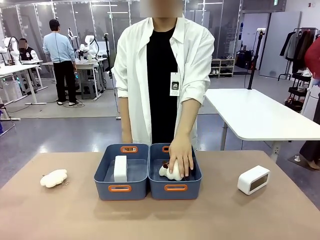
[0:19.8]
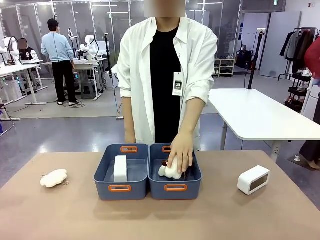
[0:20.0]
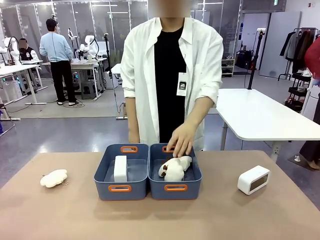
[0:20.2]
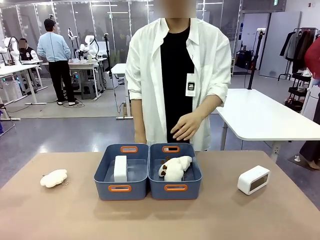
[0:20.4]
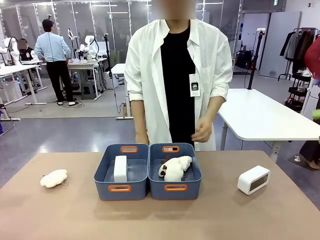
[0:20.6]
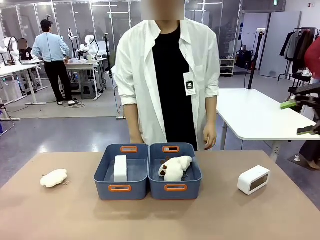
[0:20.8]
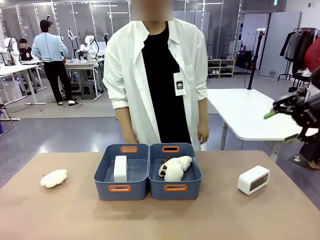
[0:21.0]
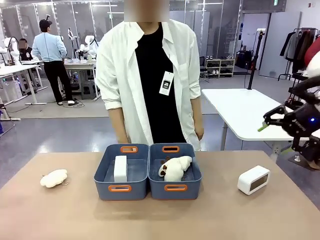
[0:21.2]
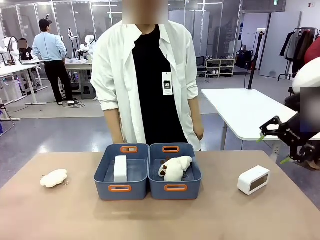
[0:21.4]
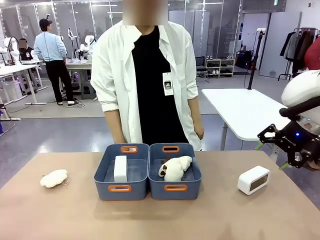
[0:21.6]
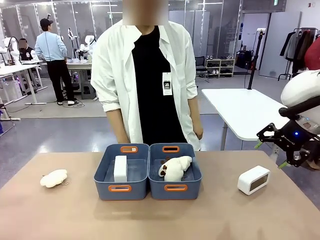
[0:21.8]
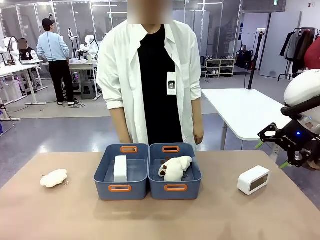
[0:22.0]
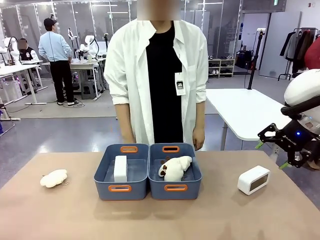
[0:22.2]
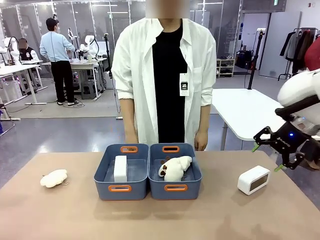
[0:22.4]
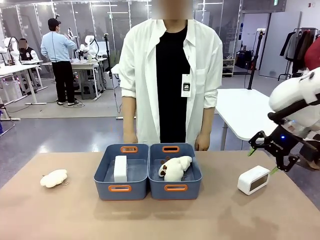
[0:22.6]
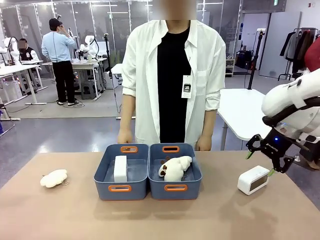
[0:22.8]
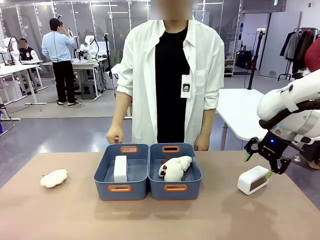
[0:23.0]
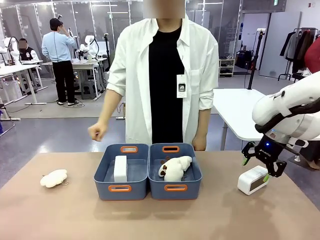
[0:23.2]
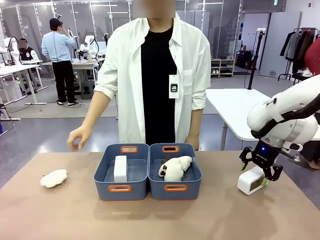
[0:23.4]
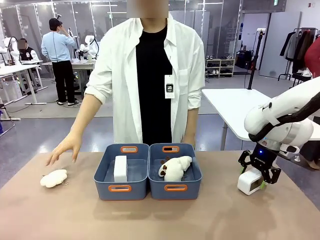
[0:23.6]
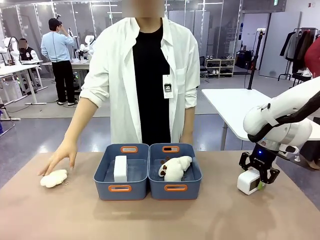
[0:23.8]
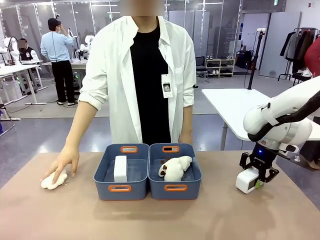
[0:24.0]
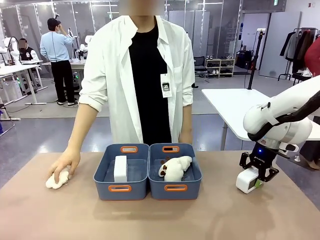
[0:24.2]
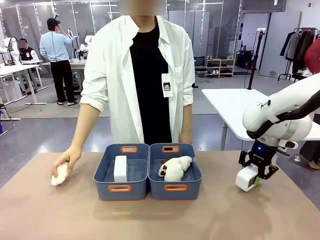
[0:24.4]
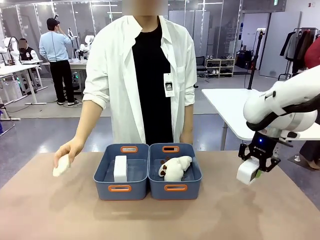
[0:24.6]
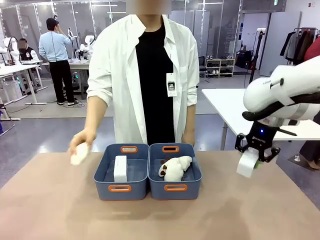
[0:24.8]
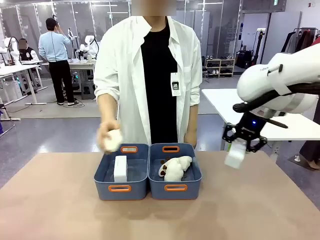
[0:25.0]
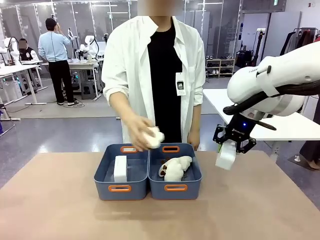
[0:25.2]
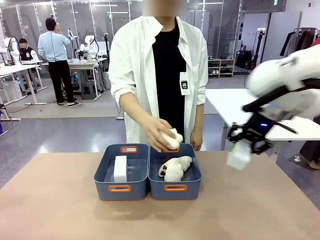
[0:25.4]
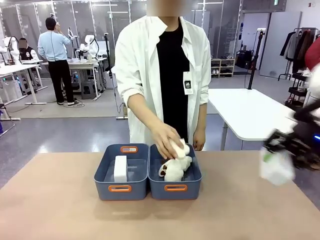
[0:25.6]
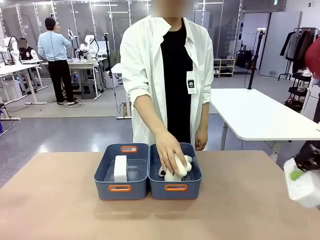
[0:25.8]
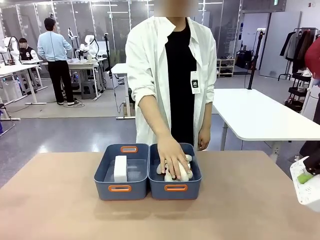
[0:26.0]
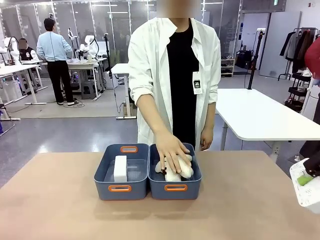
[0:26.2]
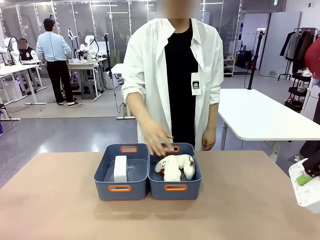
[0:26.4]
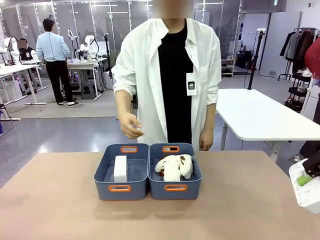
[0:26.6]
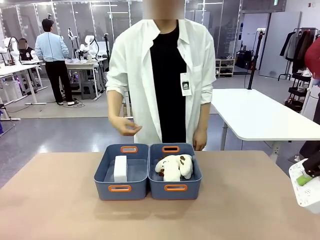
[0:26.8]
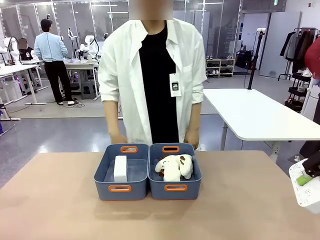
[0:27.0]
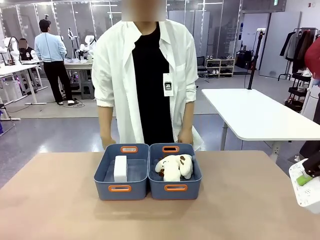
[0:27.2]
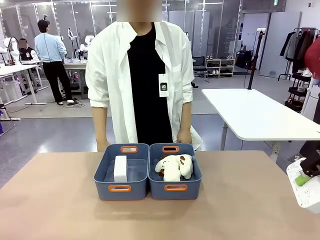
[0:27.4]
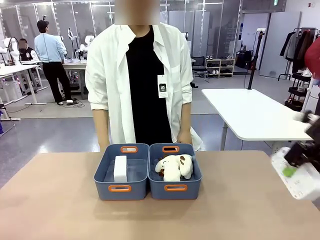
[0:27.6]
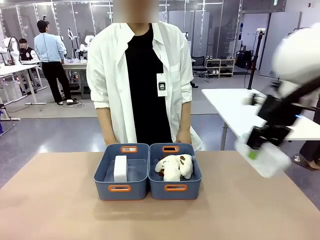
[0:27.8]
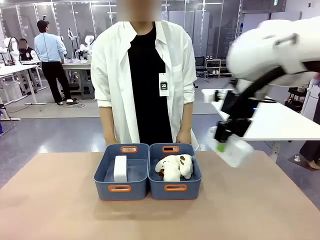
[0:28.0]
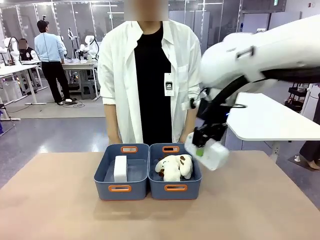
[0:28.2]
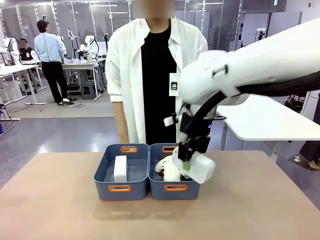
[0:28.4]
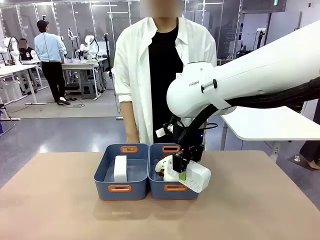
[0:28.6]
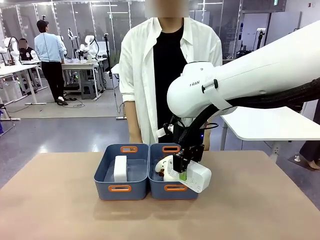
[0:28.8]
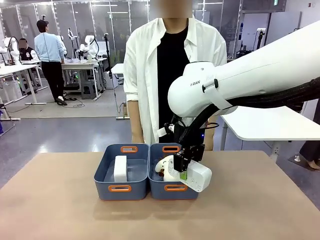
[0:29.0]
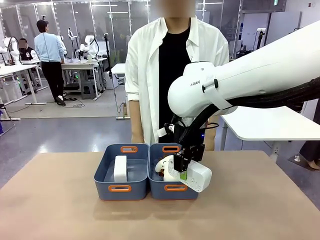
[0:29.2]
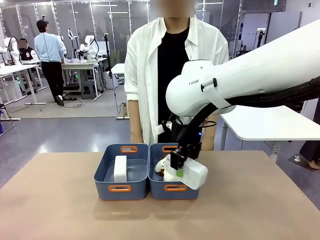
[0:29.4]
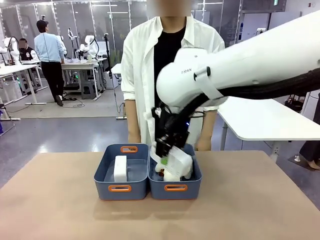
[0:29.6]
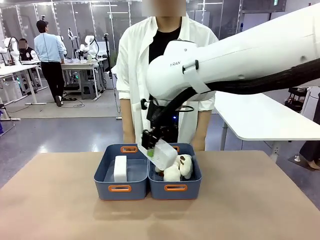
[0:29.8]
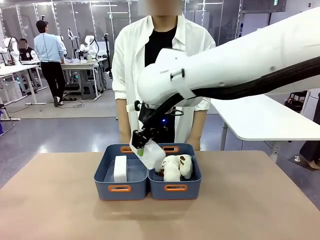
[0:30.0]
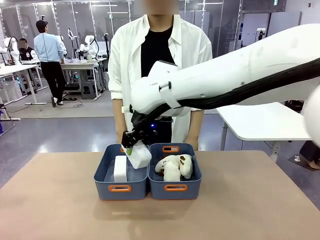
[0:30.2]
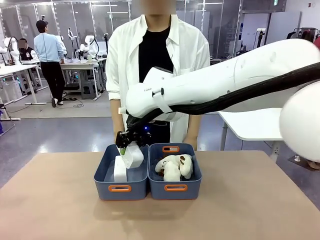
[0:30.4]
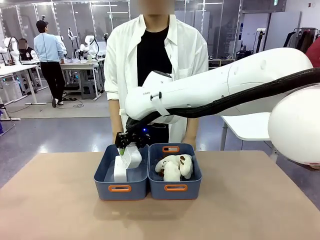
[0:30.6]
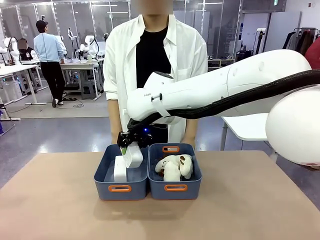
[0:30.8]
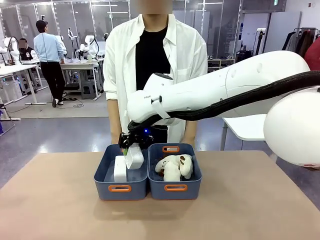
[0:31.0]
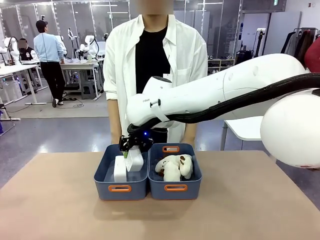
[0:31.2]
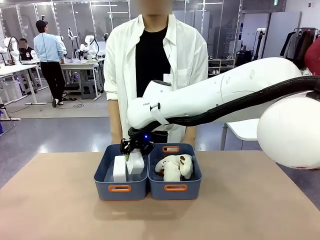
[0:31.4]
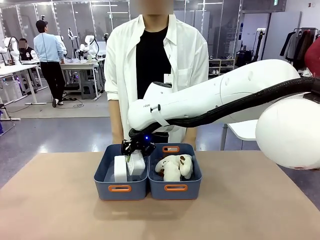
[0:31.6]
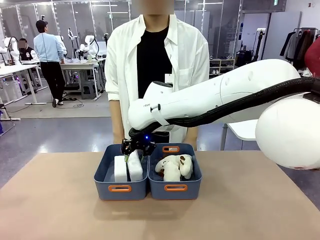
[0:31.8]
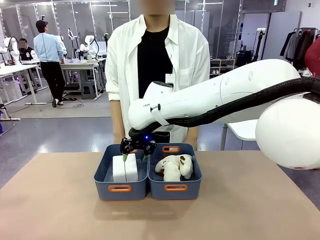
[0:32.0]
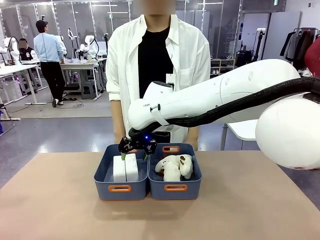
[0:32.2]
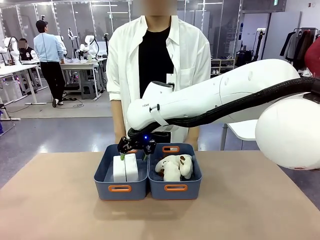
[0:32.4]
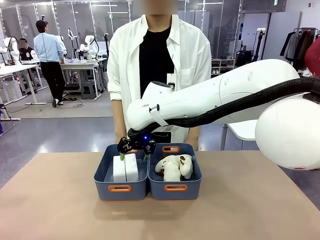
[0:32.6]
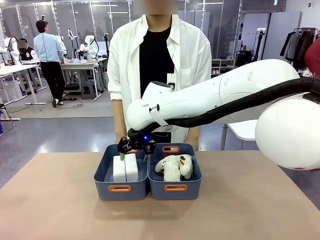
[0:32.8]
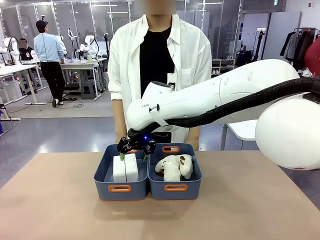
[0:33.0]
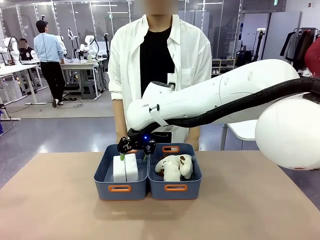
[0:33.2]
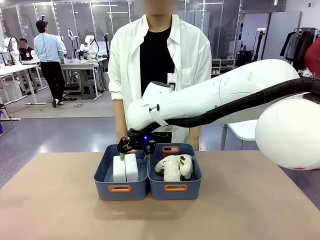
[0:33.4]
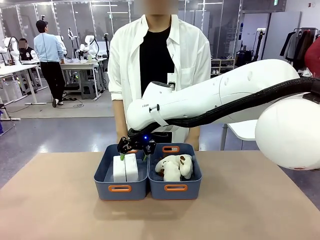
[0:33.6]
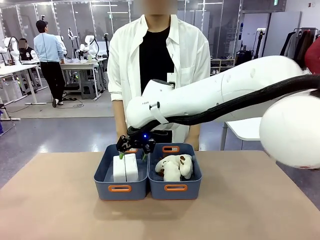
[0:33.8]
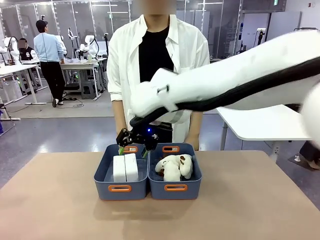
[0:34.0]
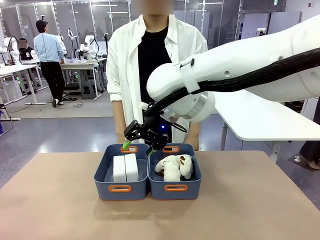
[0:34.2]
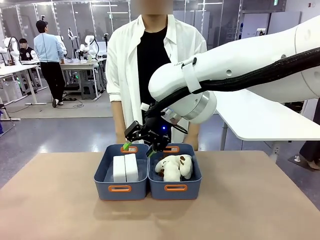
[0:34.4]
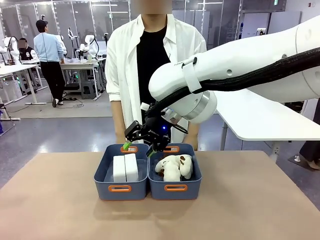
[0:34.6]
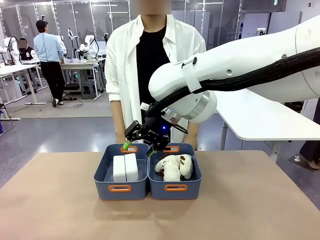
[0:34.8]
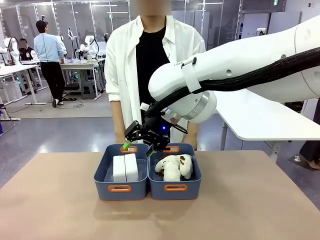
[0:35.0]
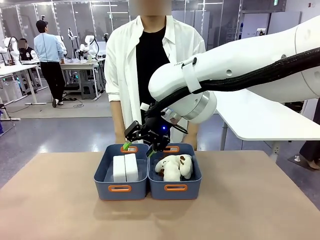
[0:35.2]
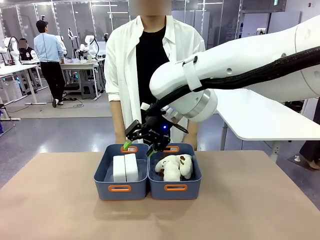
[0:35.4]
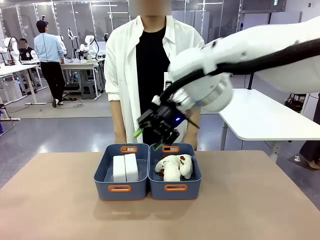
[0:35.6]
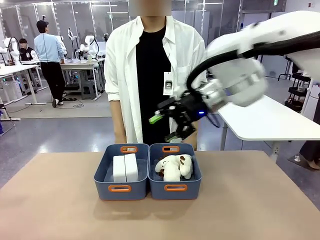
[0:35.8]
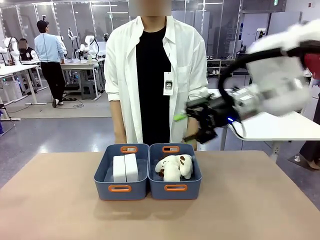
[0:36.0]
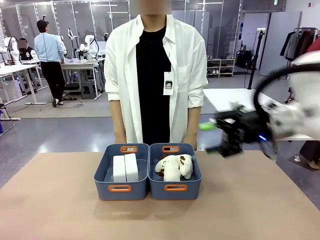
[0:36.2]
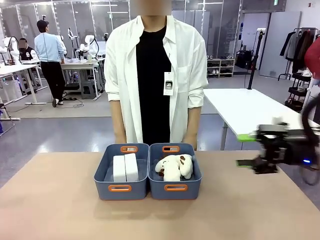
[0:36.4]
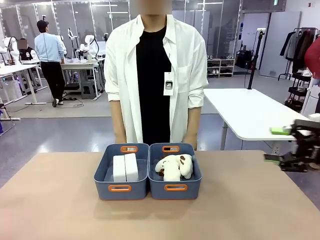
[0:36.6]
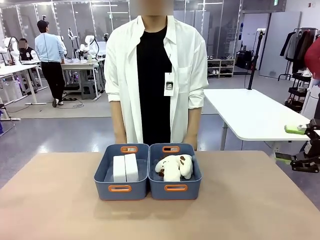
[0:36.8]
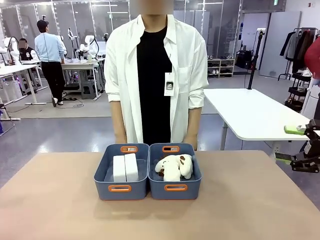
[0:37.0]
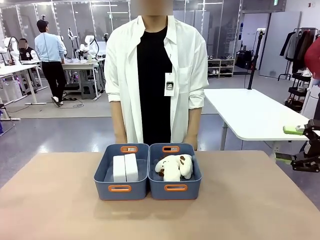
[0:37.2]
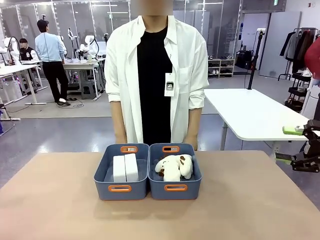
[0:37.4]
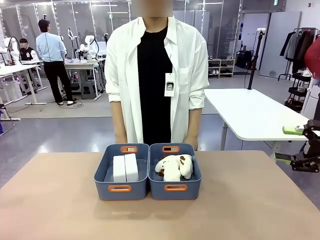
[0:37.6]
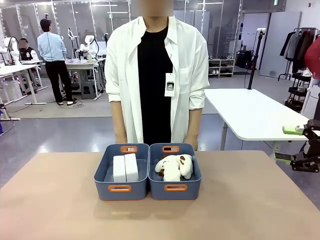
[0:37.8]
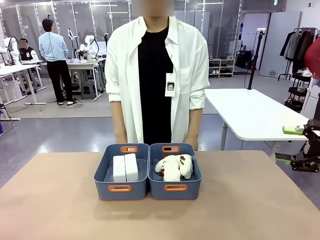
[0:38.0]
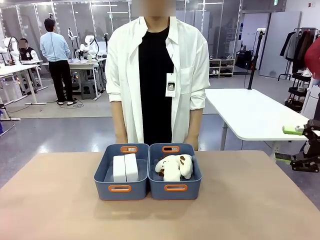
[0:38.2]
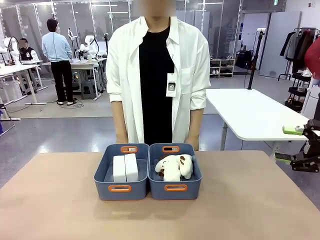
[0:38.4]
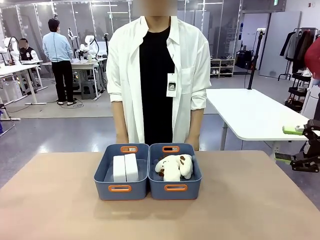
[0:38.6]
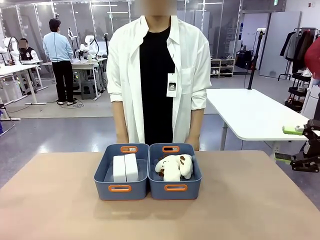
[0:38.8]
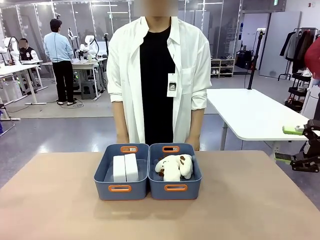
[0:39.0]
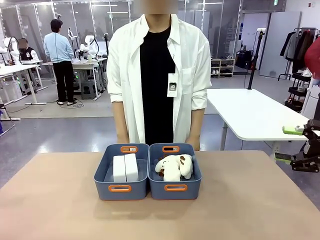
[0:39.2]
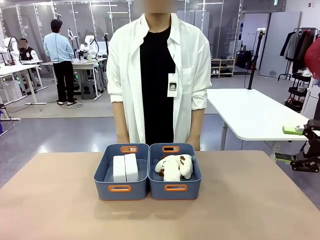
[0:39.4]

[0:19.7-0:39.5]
Task: Sort the digital clocks into the basket.
Robot: Pick up the Digital clock from the table and place it into the empty Plastic storage basket.
Person: Pick up a plush toy from the table and place it in the plastic storage basket containing the plush toy.
